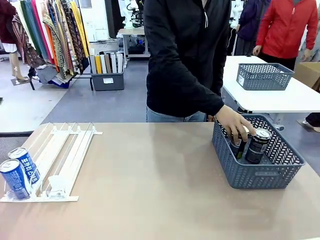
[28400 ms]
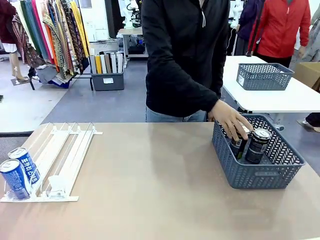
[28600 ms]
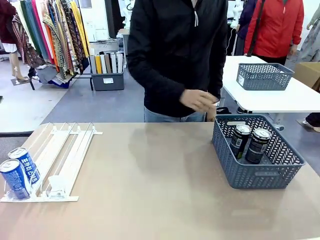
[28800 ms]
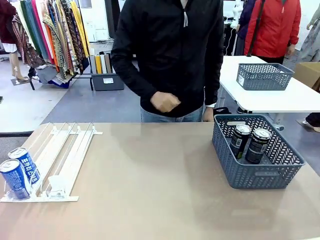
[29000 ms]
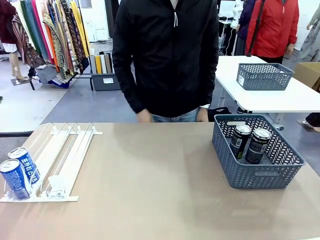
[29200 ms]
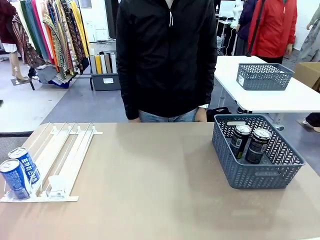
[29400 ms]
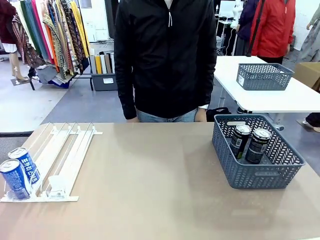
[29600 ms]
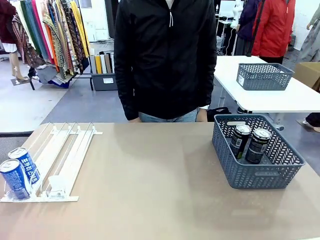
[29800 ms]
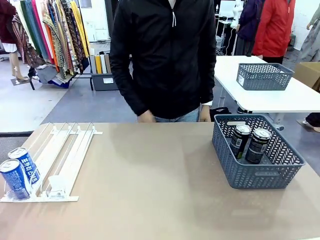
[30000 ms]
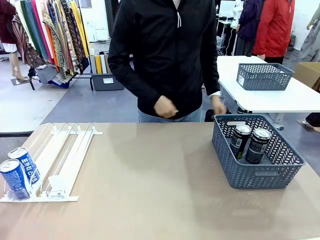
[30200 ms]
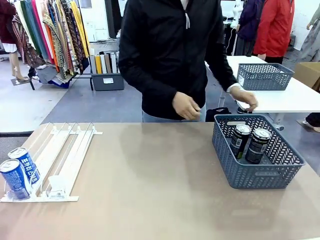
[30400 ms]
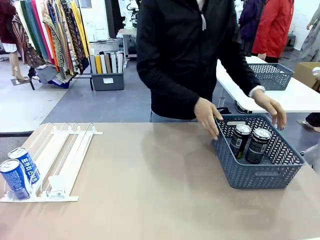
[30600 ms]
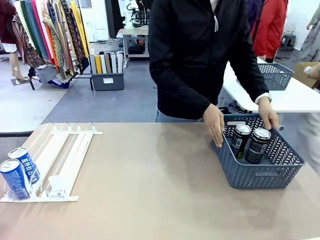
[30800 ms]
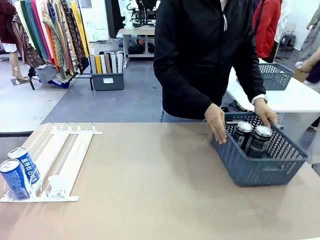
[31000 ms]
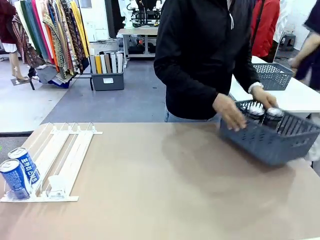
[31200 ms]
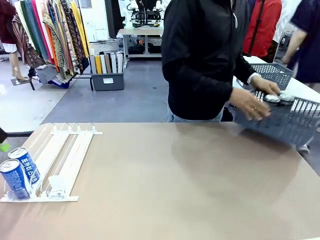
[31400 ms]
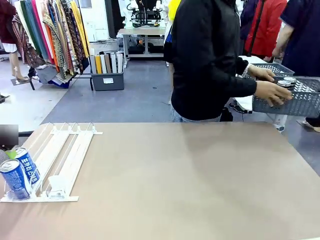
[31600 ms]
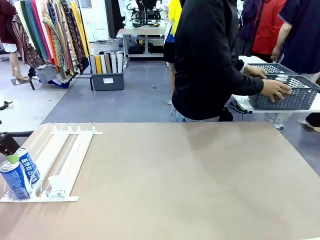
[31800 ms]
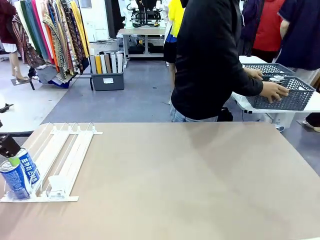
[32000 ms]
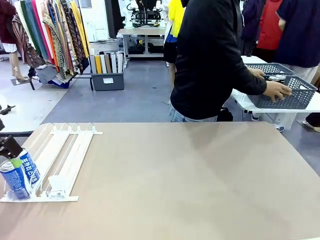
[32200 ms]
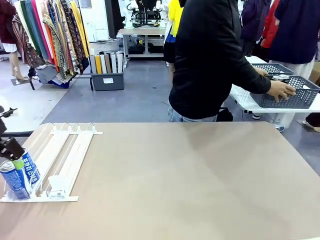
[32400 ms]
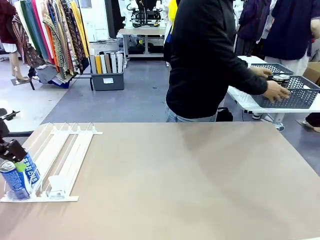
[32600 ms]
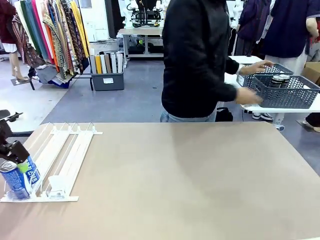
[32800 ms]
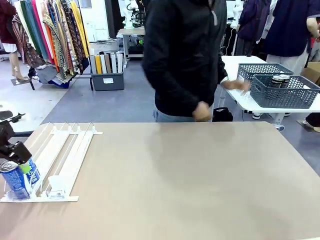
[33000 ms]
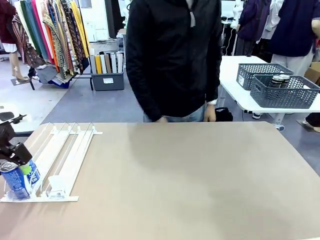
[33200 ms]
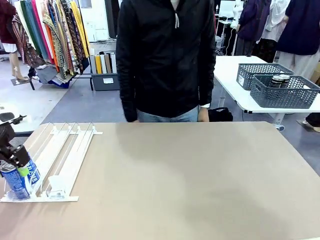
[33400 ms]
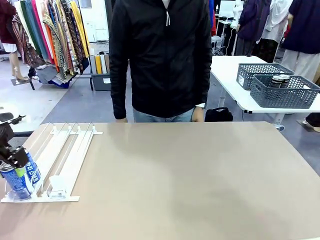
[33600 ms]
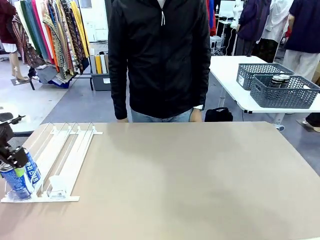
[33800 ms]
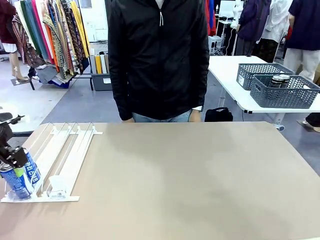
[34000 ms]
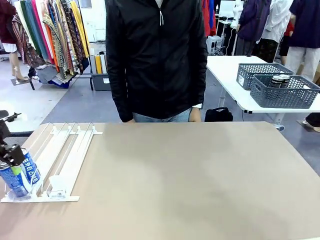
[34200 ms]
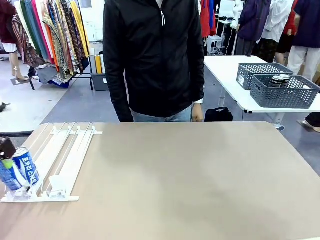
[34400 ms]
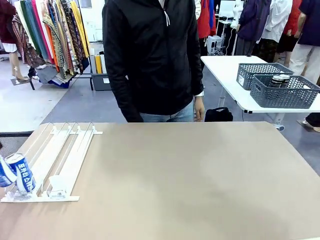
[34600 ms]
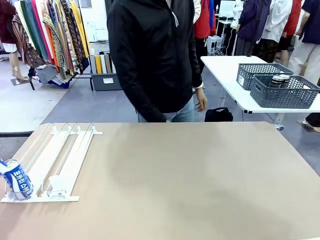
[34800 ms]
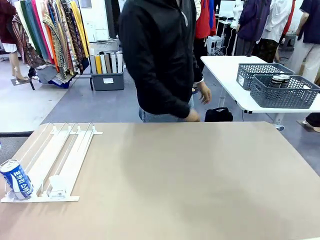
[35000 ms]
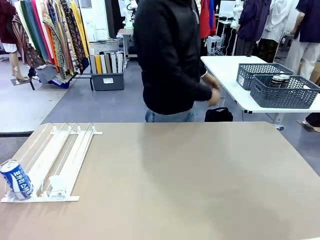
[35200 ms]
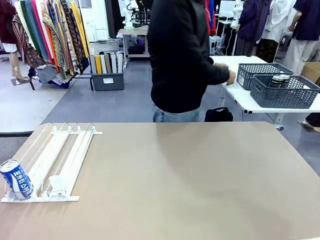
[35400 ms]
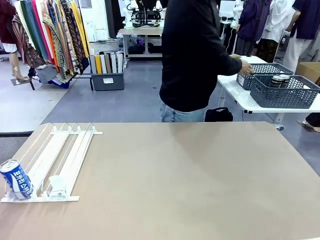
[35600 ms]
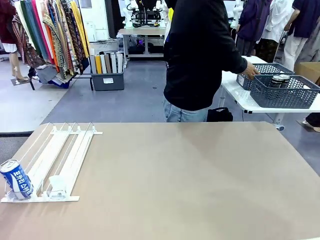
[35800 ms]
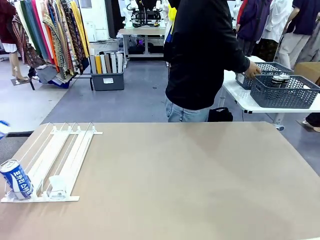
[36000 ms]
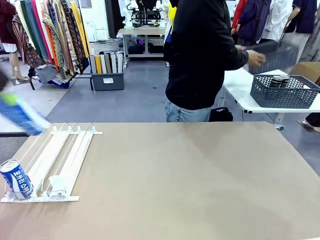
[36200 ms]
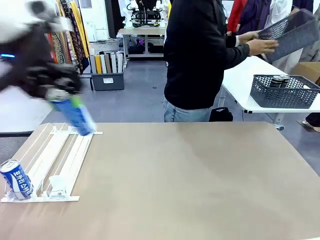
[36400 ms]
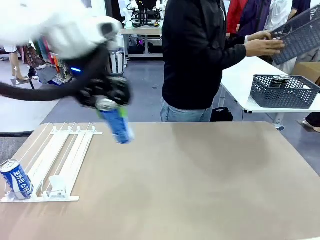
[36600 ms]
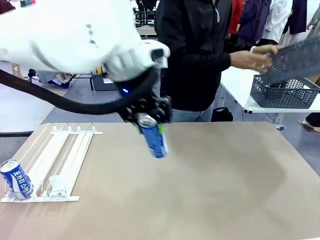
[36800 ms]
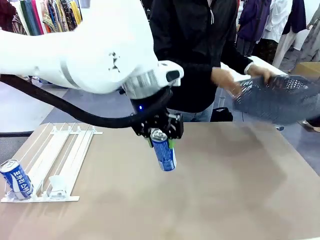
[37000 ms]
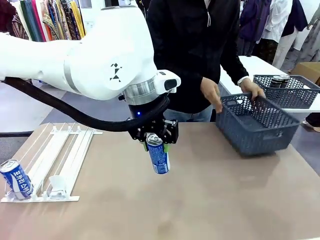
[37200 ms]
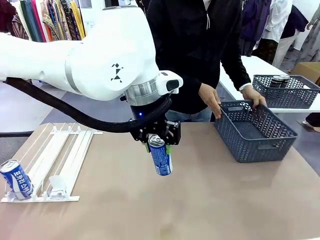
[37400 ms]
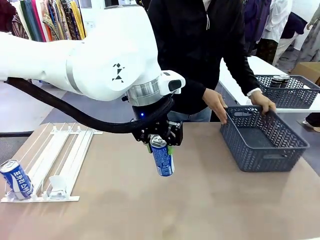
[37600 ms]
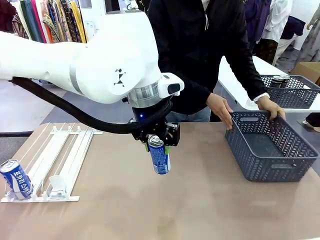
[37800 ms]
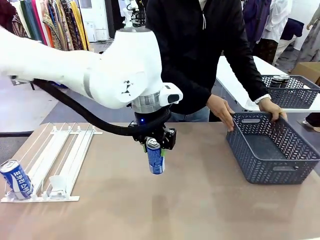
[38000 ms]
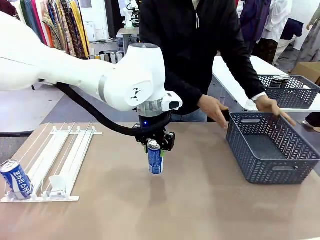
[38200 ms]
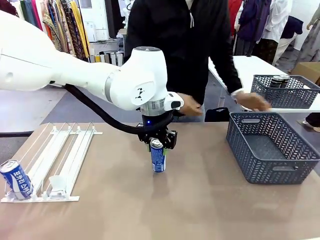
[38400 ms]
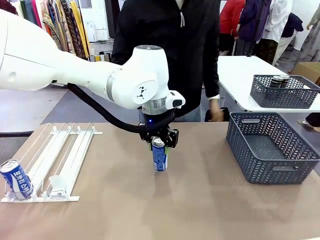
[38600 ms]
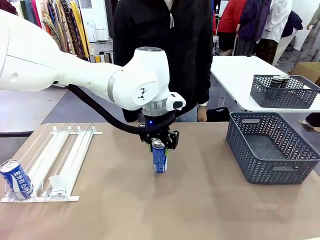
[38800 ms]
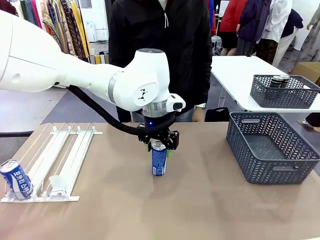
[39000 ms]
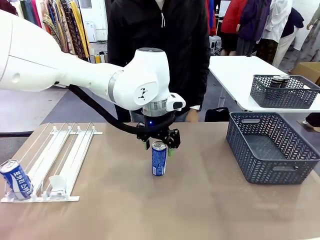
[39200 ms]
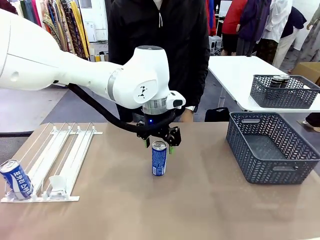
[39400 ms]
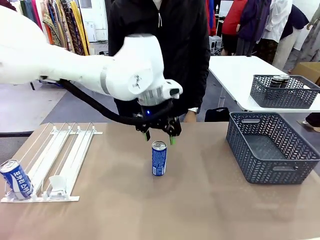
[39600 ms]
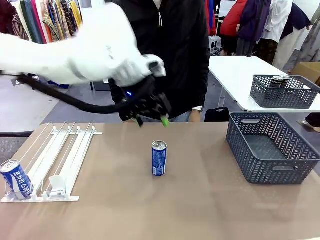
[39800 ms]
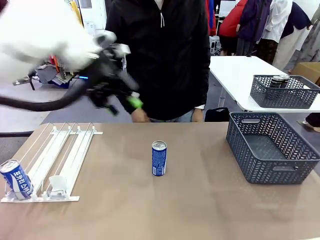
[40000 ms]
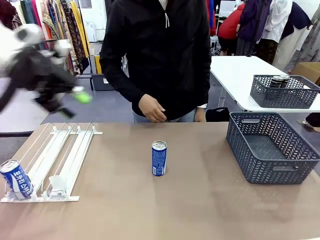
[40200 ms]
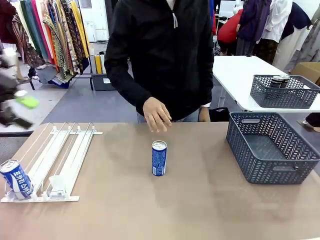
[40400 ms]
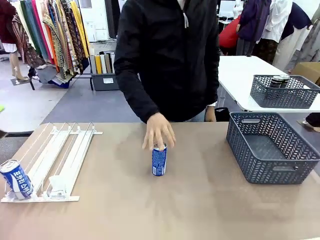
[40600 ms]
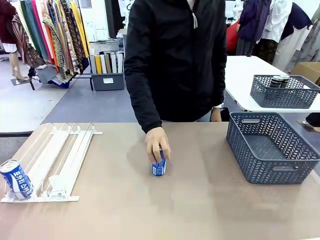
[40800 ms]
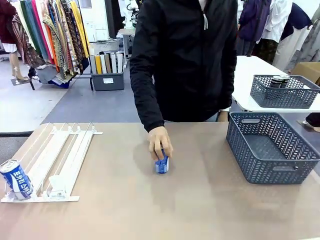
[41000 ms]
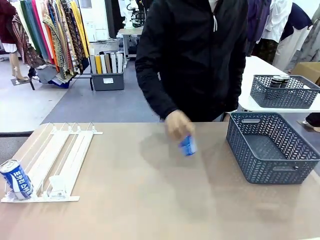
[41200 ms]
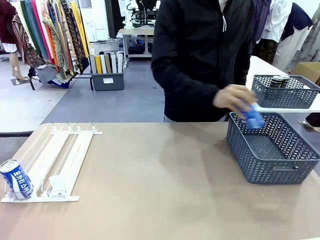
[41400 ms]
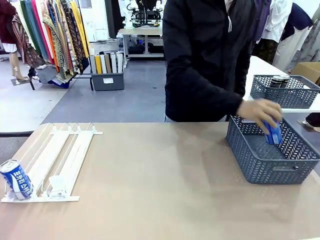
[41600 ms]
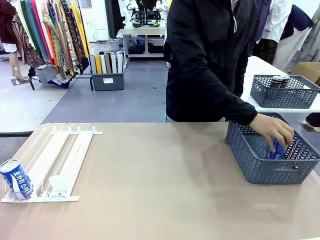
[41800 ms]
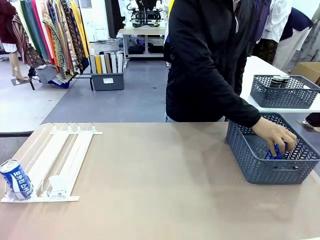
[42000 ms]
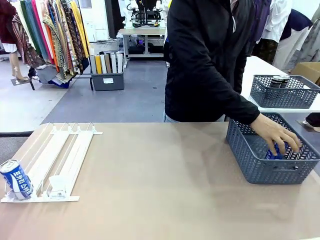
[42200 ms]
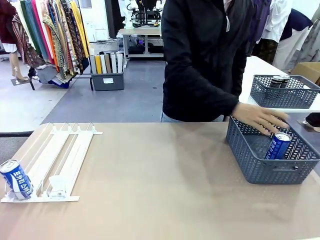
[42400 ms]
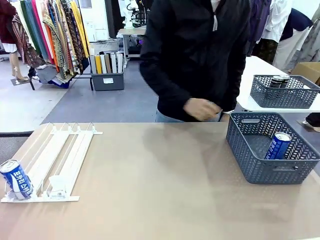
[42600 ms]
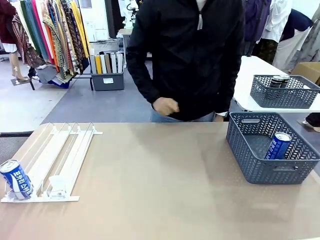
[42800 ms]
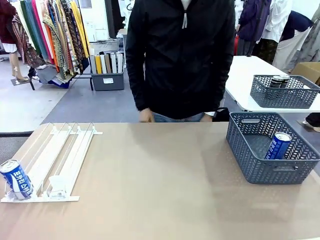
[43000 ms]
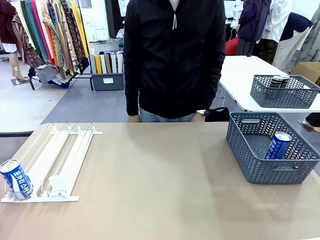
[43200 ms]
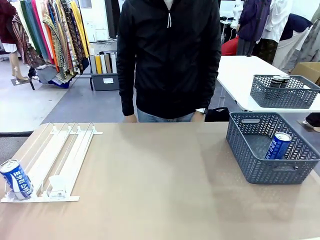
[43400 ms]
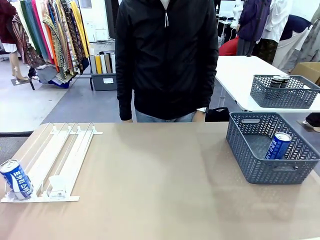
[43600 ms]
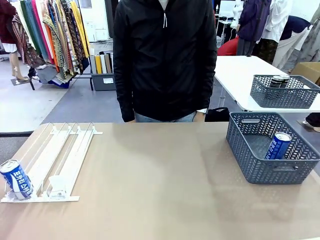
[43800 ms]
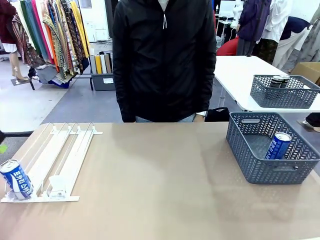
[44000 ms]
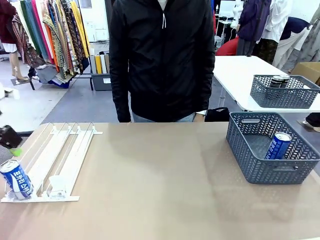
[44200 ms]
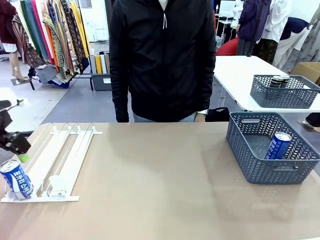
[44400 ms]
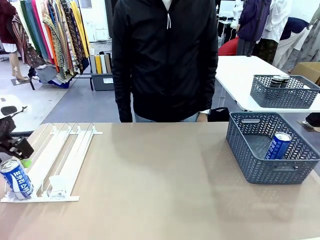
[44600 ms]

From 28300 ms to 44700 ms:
Task: Retrieve and store the cans from the dispenser.
Robot: Pick up one can from the Automatic Can Dispenser and place it in the middle of the table.
Person: Pick up the basket and place it in the middle of the human table. Pick up the empty basket and place it on the left side of the robot table.

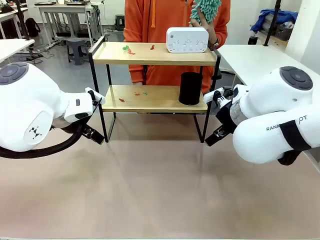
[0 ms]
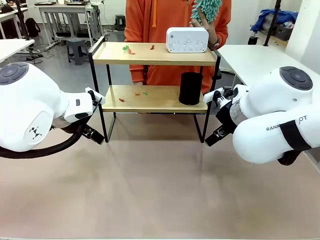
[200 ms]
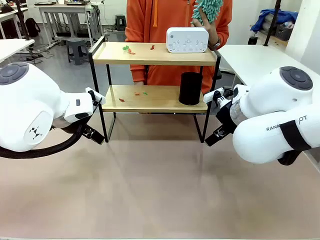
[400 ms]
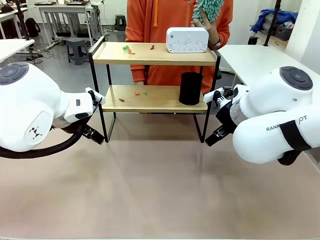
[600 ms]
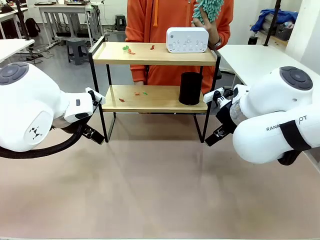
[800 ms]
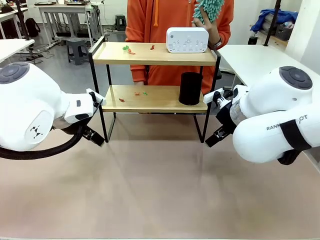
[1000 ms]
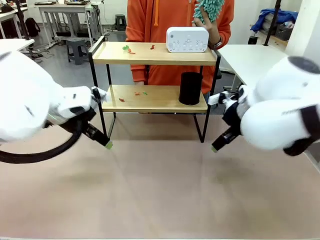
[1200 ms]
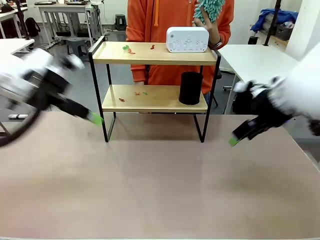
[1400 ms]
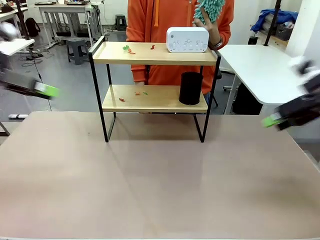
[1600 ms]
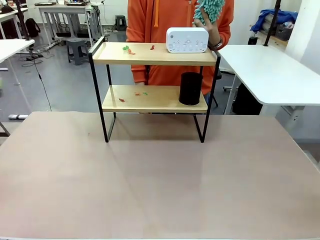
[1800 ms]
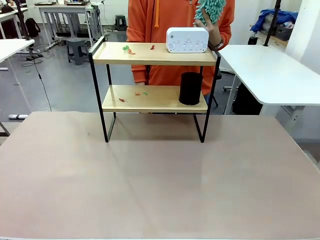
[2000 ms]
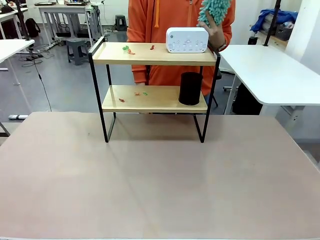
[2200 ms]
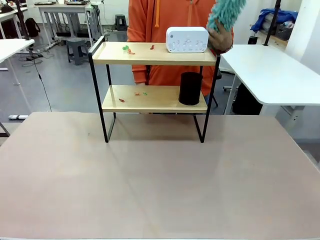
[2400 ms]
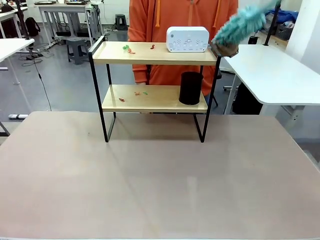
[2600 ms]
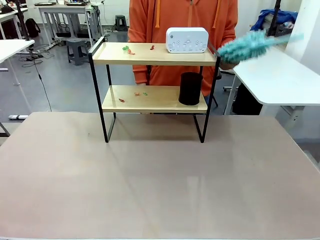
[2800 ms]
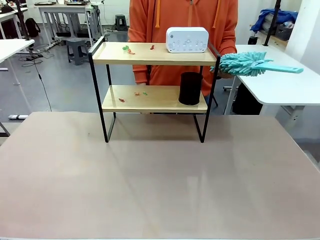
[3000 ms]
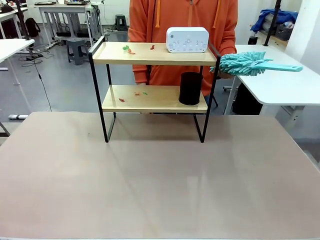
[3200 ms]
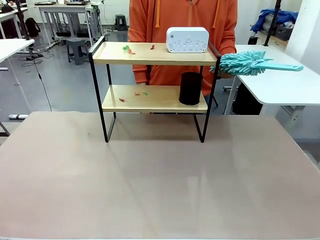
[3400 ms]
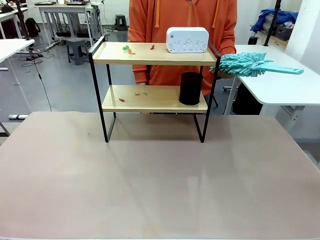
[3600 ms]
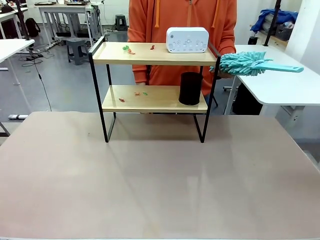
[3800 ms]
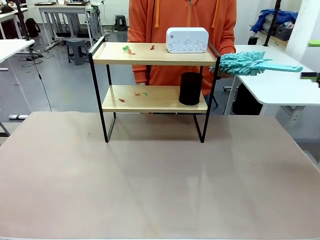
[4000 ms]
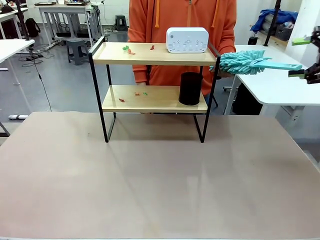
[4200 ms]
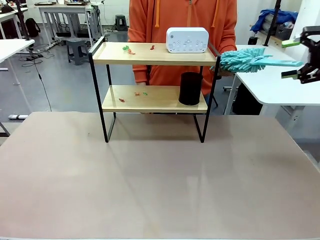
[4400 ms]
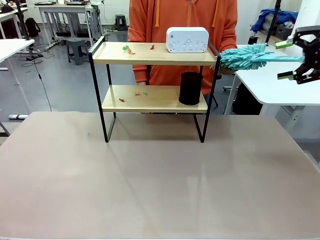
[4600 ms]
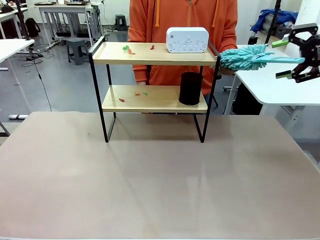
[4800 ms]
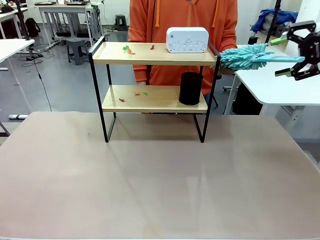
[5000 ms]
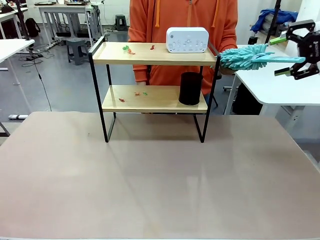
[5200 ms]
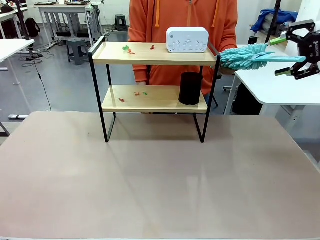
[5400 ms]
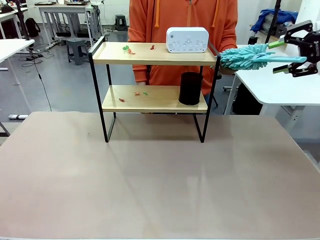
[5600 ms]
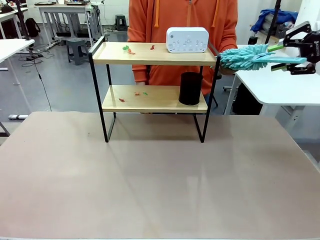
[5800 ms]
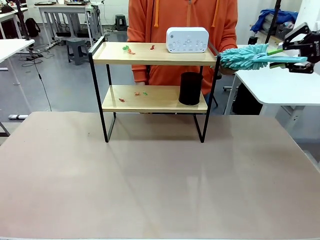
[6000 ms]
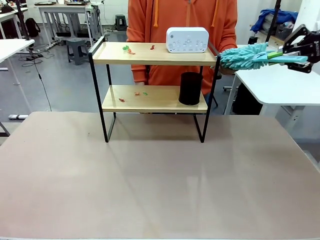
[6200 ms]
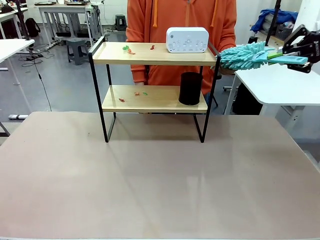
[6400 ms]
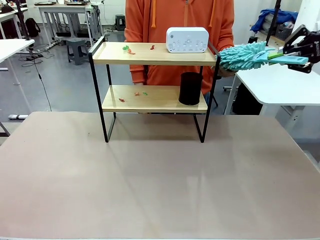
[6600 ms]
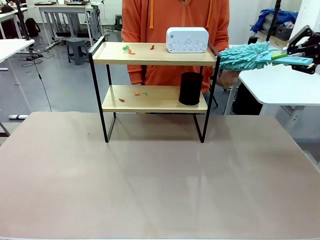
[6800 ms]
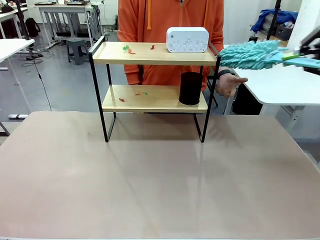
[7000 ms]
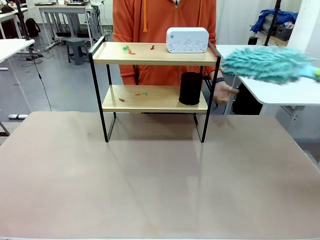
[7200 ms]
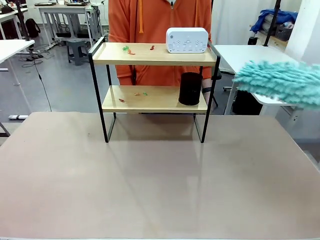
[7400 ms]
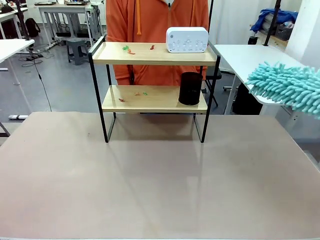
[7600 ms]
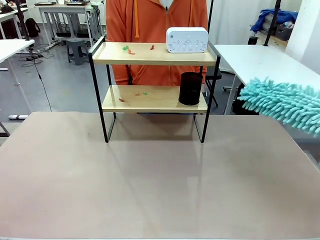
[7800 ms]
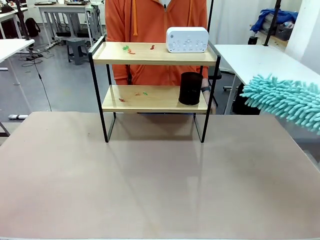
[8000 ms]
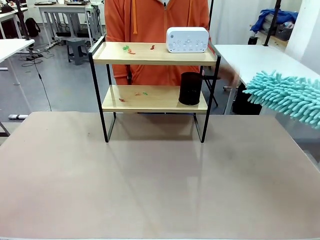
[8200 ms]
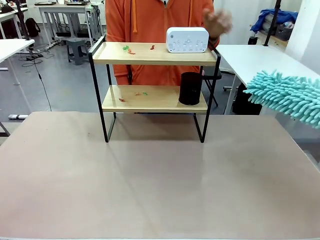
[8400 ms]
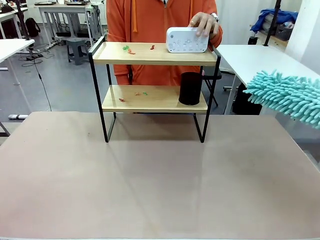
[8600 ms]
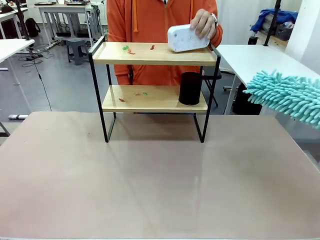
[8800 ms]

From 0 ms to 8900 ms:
Task: Clean the shelf.
Robot: Pick up the Duster from the human.
Person: Hand the Duster to the robot. Lift the objects on a randomly selected tier of the Shelf.
